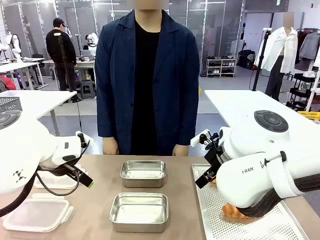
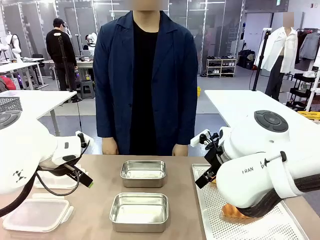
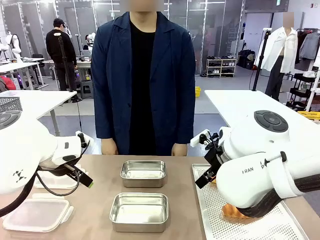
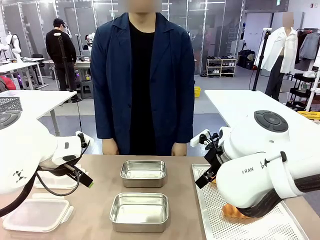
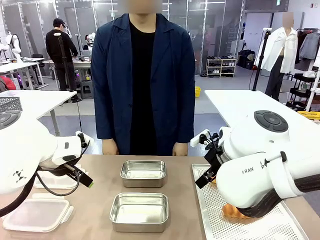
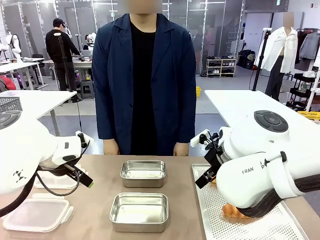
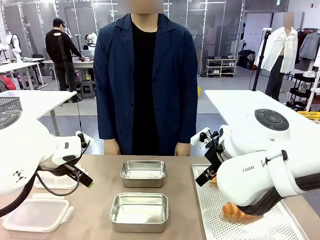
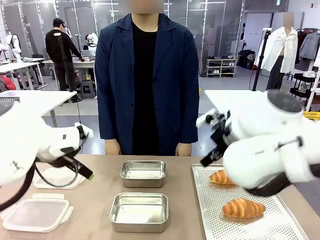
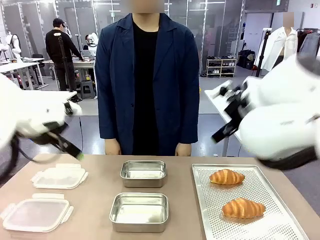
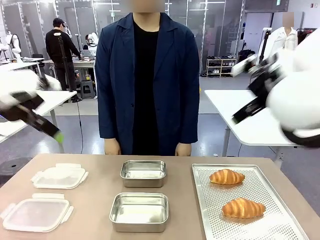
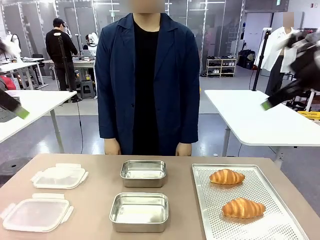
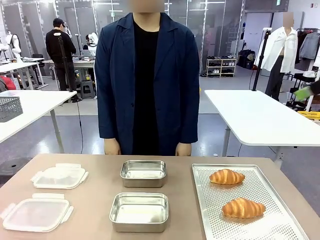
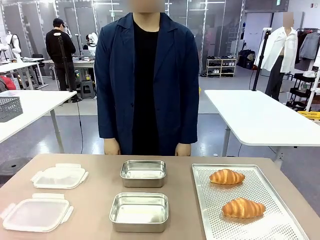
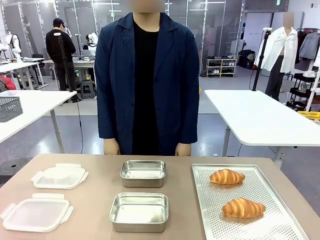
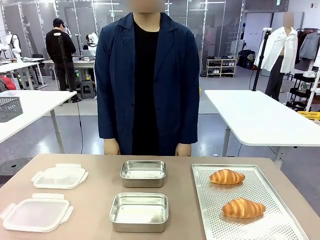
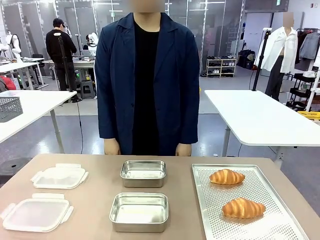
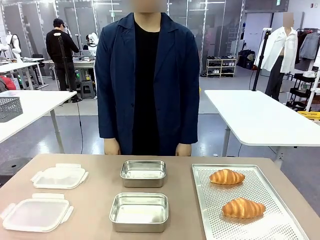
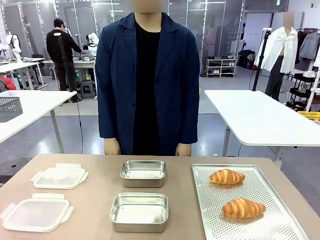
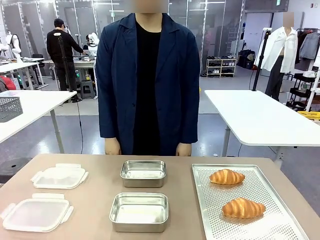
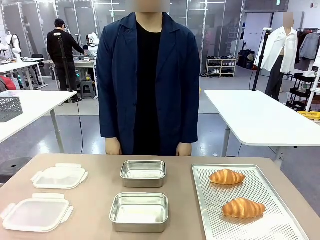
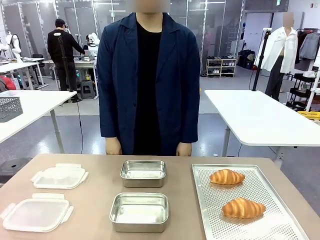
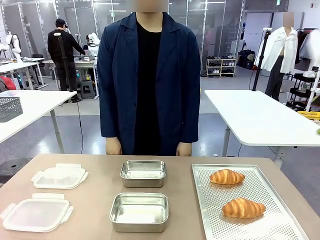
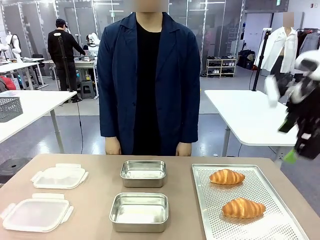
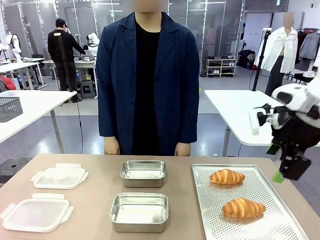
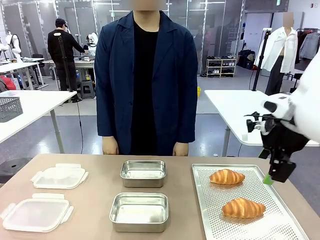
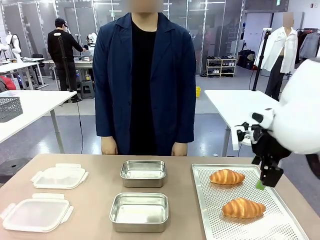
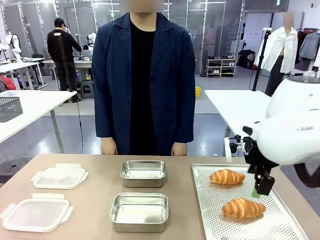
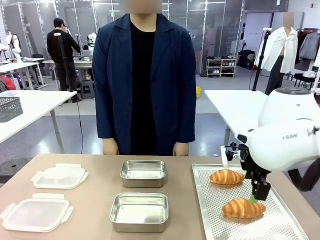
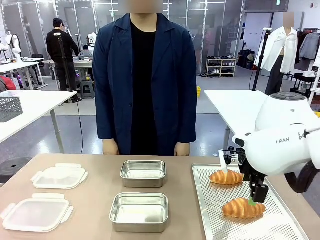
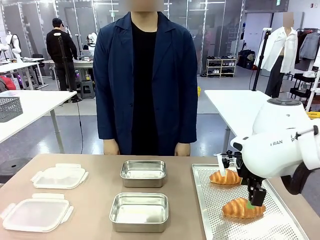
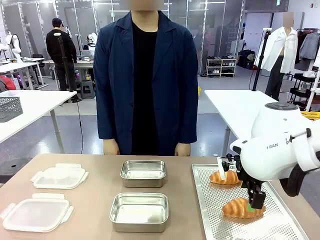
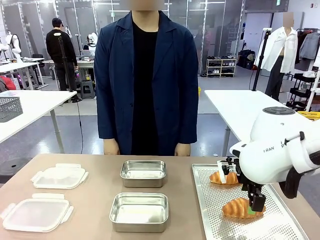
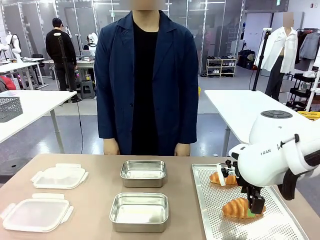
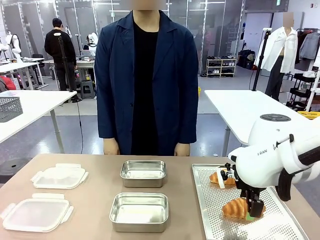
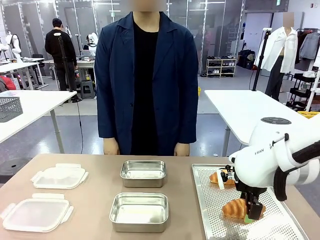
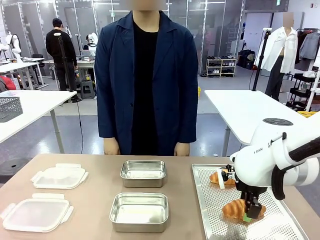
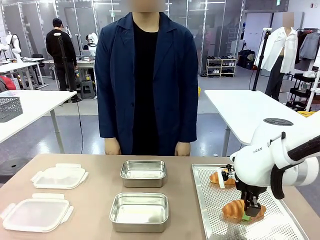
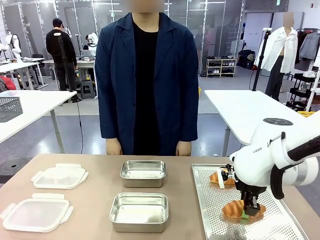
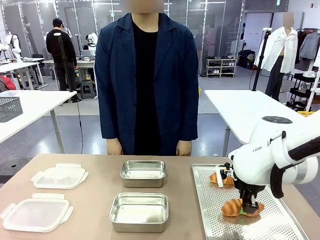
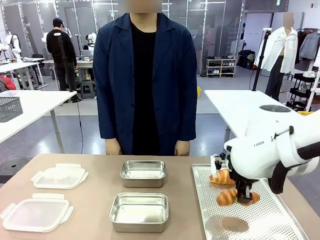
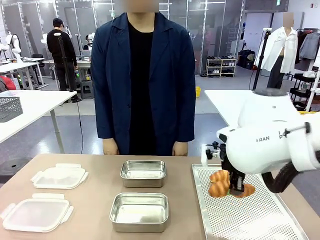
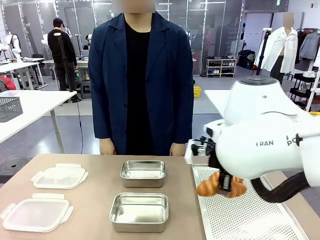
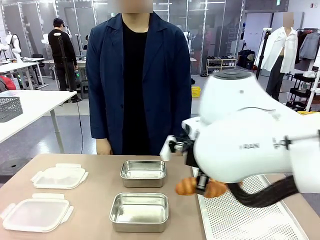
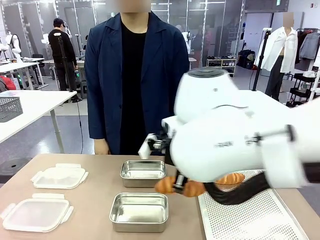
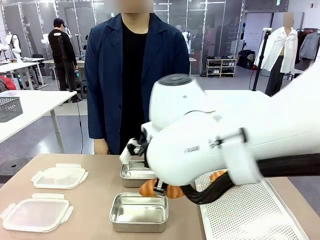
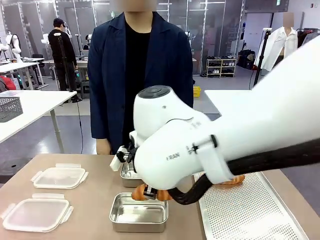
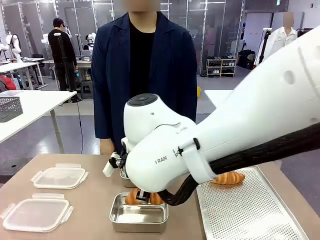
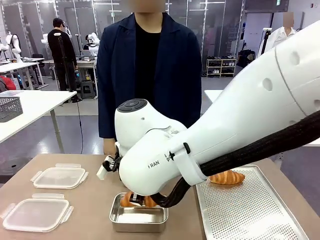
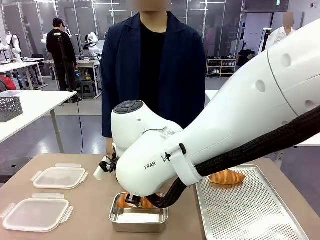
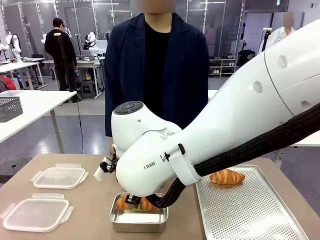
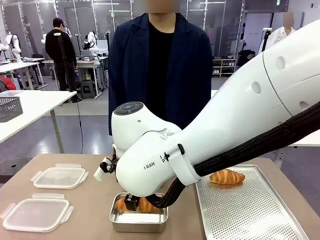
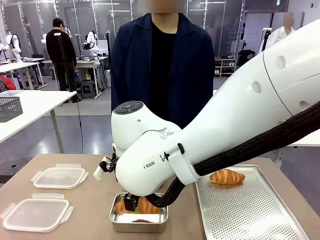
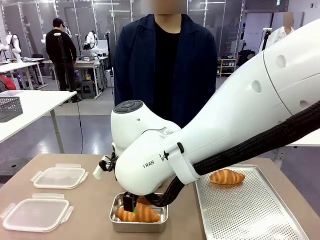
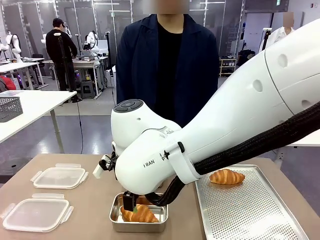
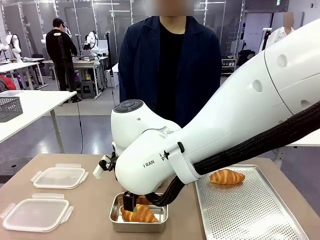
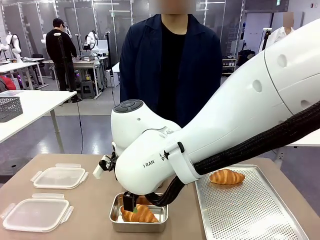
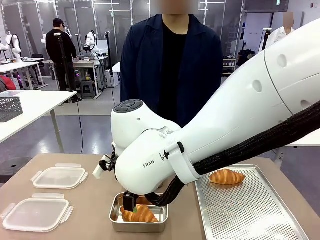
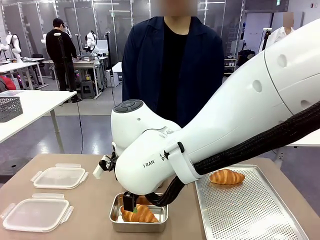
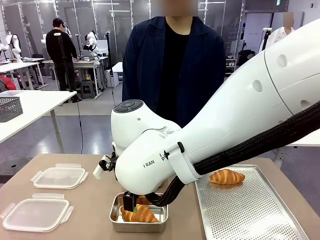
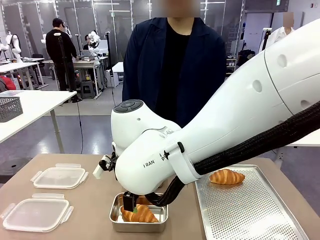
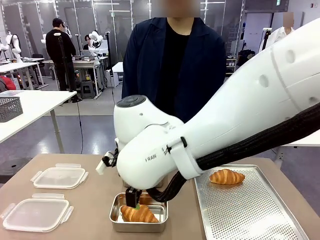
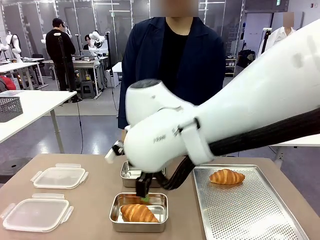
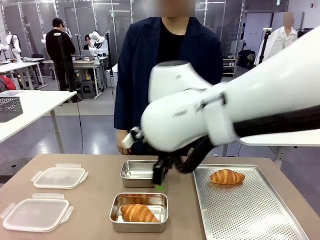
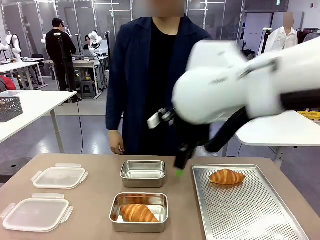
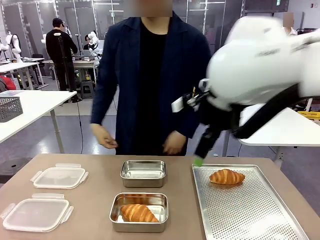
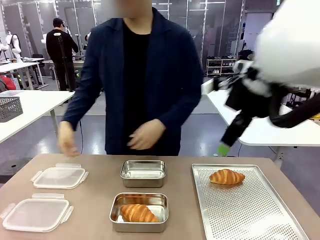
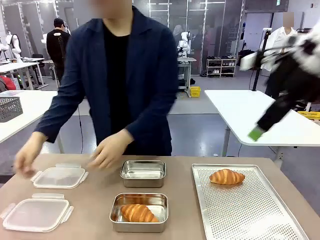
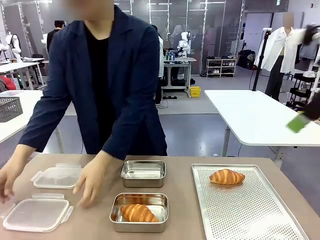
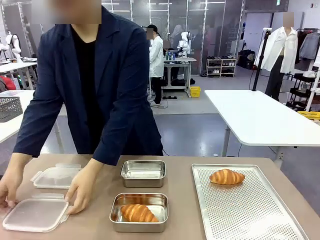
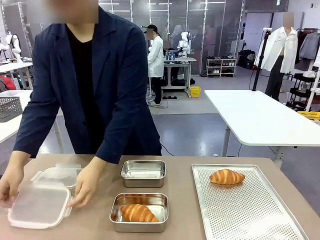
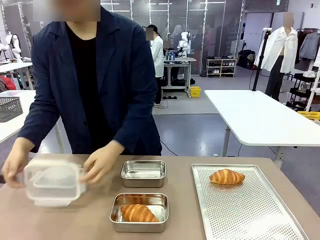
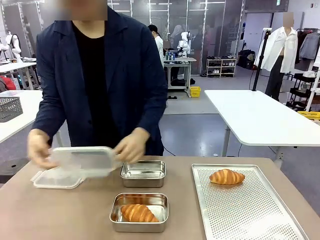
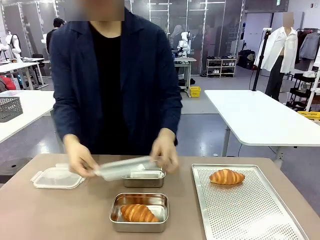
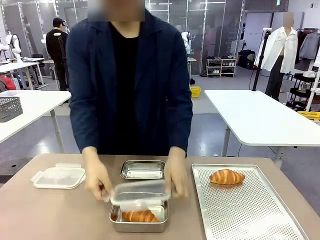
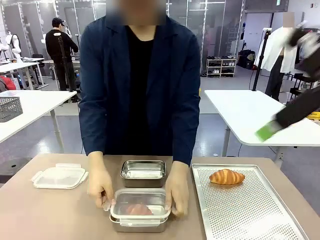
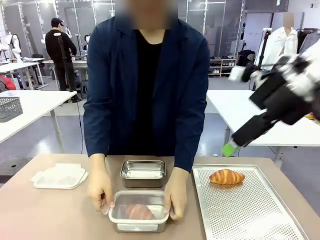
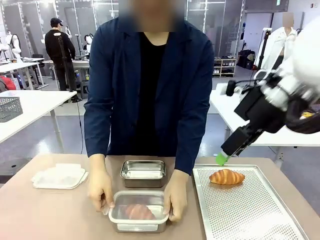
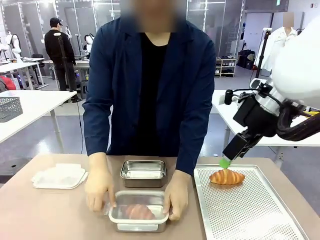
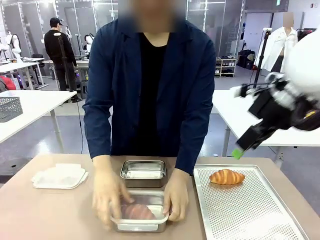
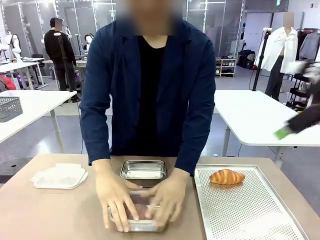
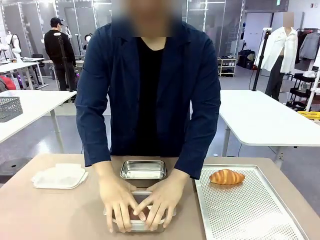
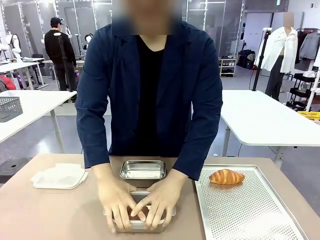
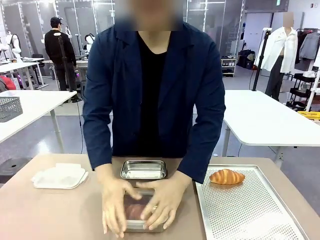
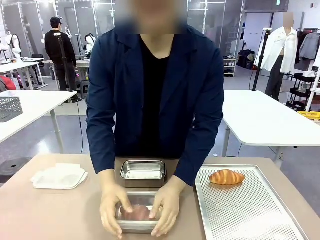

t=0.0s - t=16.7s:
Task: Place the bread into the airtight container.
Robot: Pick up a Butter Roll and place it into an empty Airtight Container.
